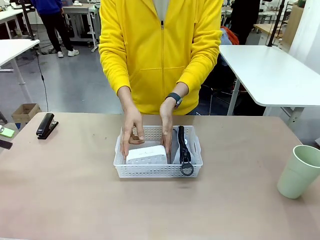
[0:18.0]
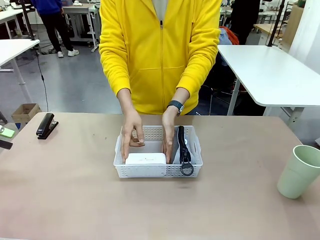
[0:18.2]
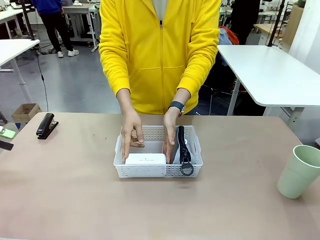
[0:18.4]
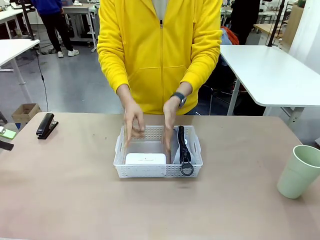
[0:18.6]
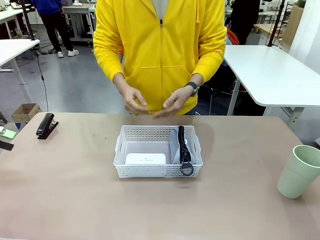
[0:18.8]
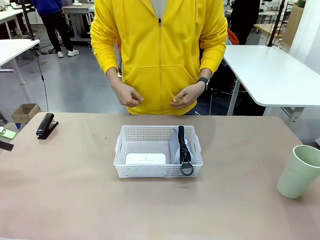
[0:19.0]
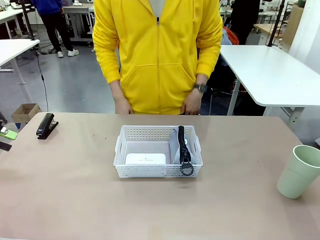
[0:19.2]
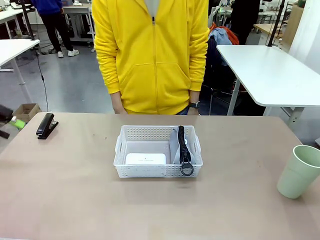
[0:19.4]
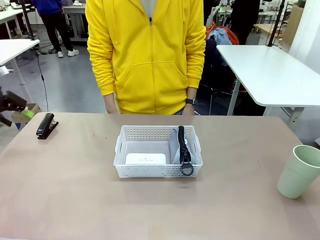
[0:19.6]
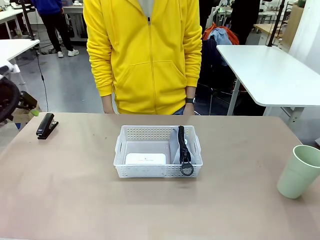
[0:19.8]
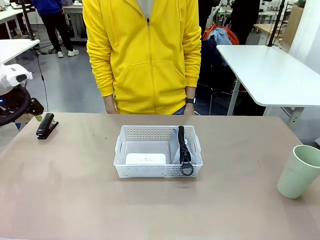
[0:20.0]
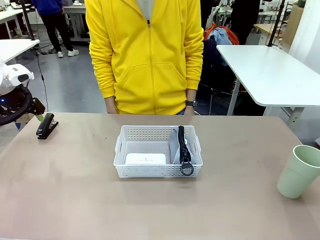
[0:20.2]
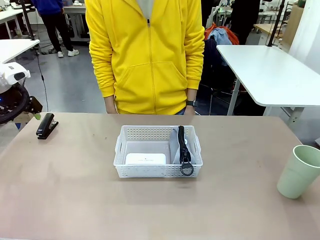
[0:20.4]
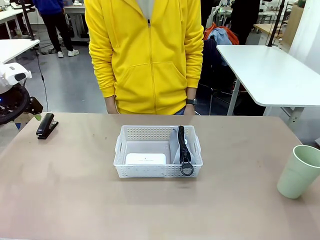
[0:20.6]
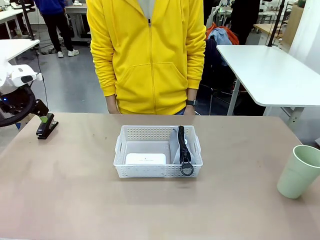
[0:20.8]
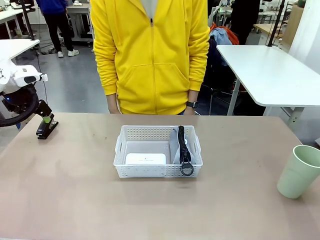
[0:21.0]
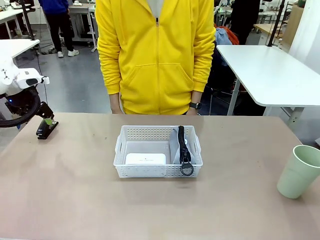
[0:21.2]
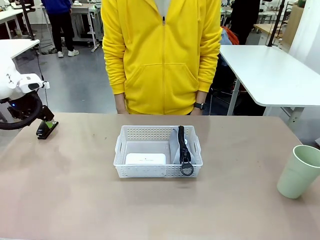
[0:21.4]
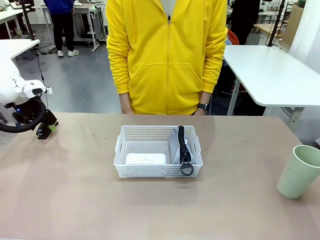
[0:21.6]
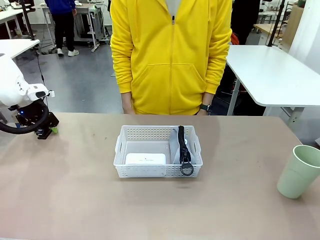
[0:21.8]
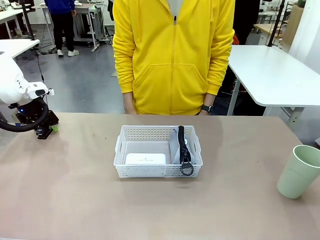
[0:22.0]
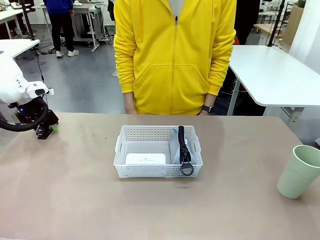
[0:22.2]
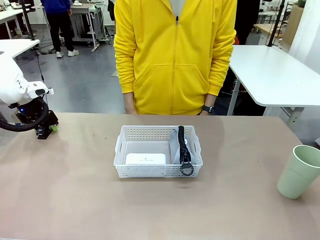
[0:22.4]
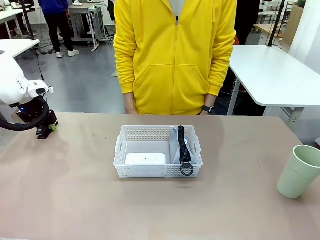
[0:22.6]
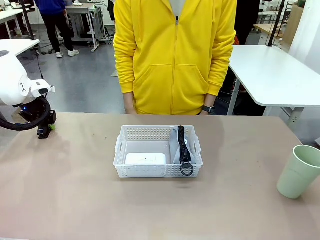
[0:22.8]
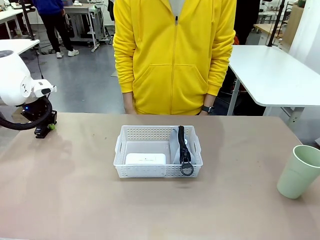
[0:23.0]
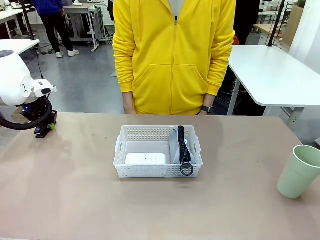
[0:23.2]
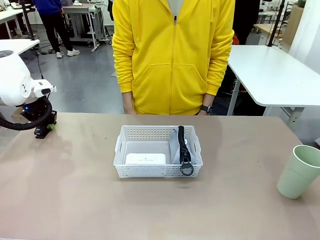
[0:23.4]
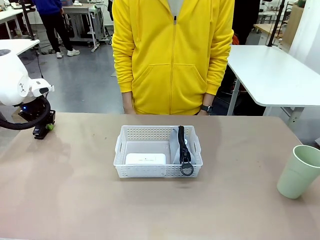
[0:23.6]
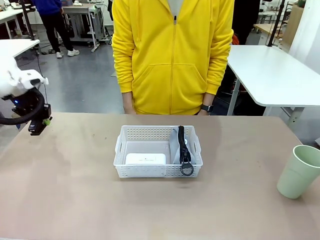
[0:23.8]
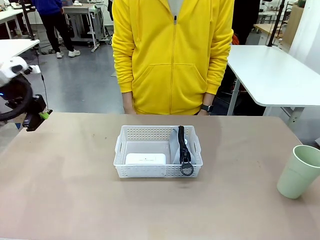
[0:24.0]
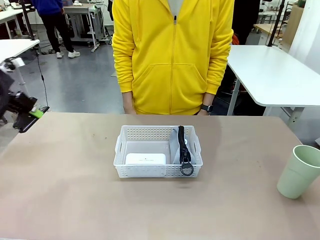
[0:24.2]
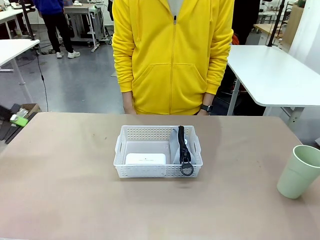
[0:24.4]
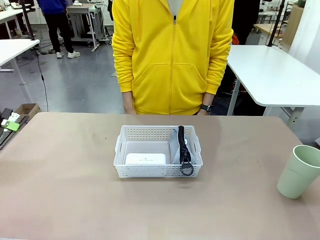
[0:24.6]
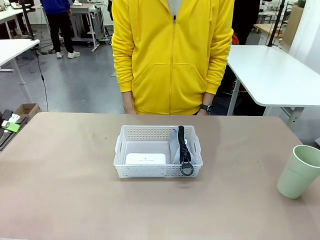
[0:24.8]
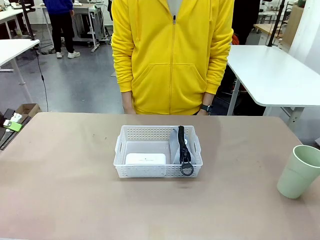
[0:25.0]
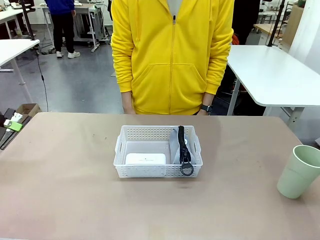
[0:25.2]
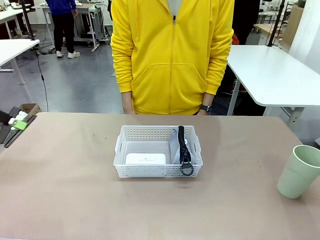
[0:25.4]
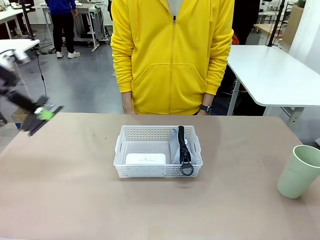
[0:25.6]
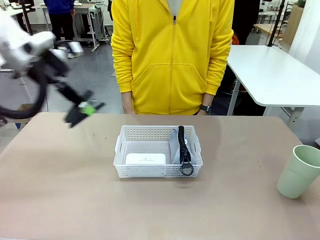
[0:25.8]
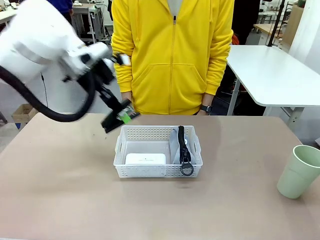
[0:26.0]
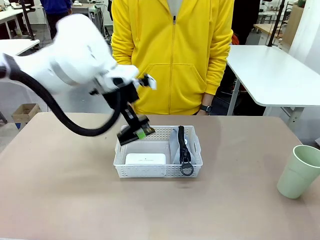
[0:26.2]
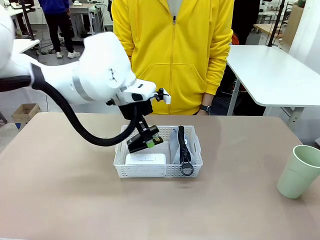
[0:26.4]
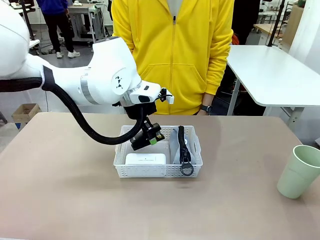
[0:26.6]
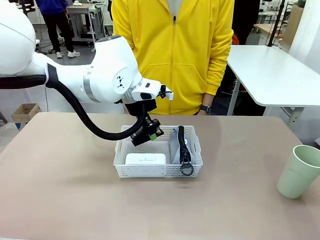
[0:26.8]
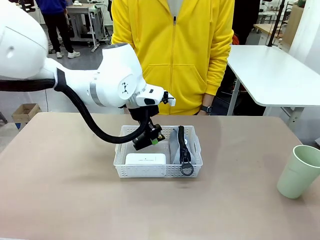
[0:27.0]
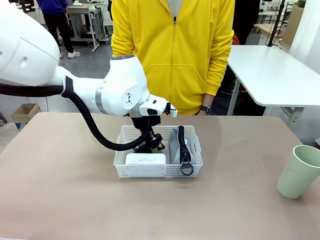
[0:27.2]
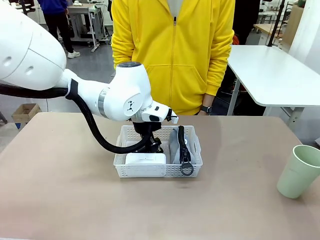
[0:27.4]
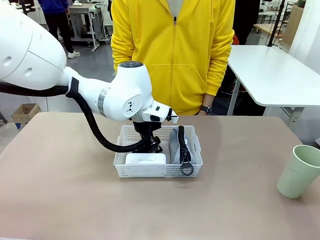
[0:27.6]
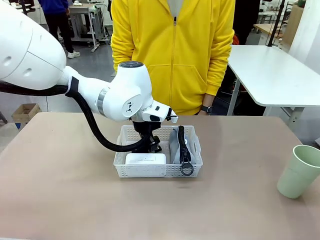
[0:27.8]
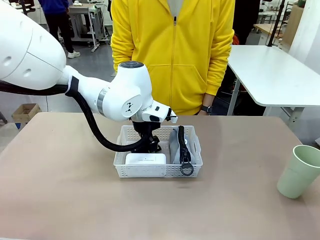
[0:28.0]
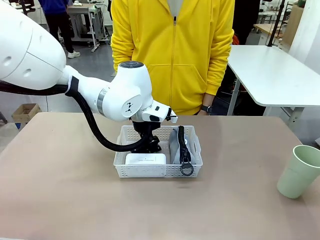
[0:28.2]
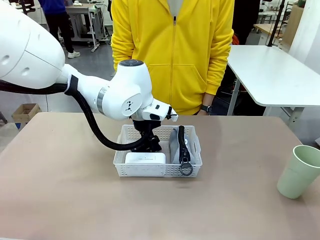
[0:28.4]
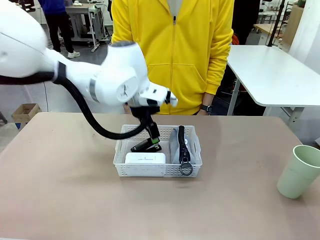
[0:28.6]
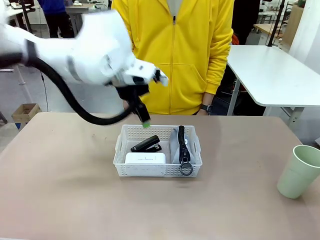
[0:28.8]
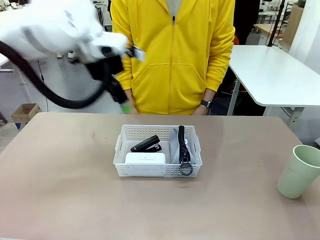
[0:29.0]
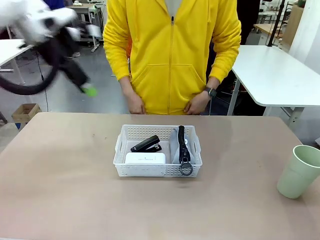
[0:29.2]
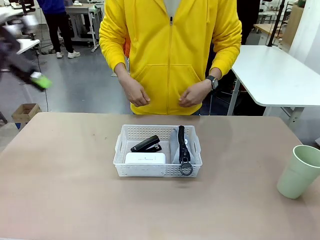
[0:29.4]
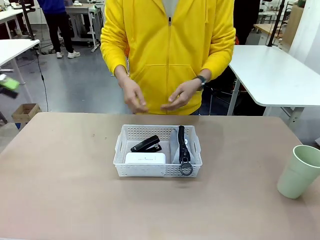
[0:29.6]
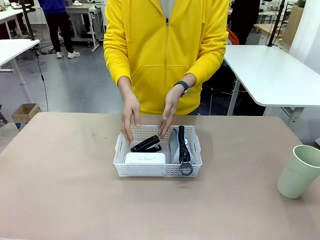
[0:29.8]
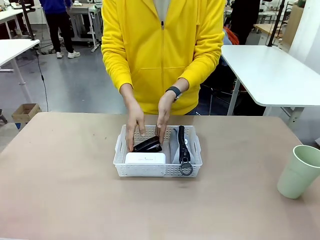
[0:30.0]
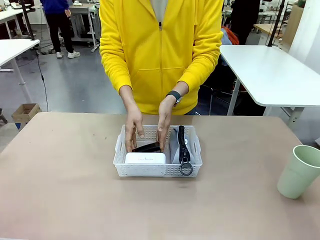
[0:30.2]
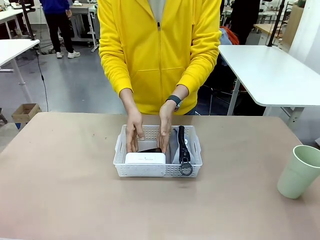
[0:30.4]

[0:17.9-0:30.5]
Task: Efficiently arrange items inside the basket to fit them all.
Robot: Pick up the Stapler and place it inside the Organizing basket.
